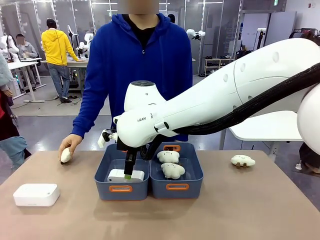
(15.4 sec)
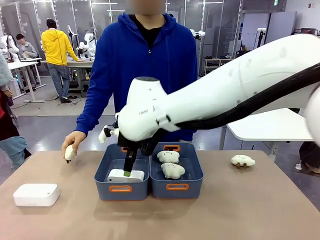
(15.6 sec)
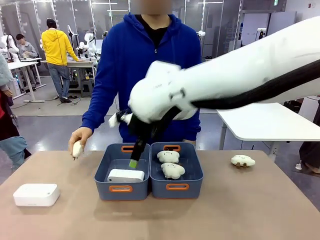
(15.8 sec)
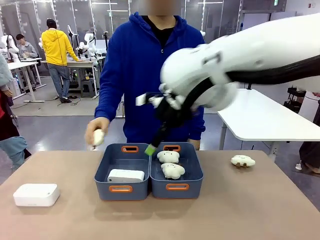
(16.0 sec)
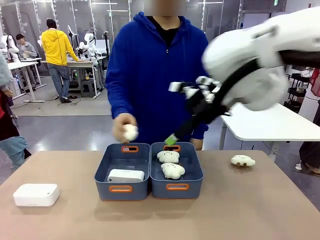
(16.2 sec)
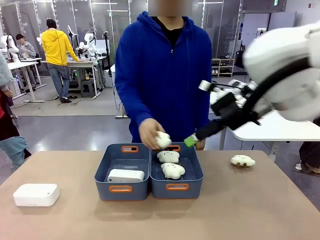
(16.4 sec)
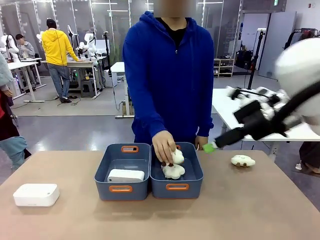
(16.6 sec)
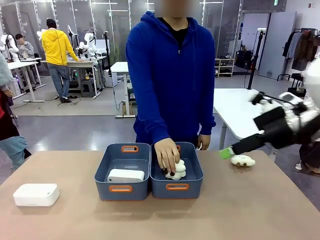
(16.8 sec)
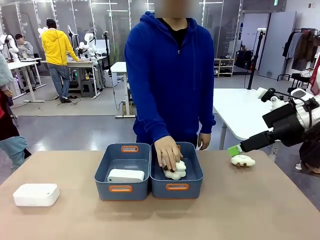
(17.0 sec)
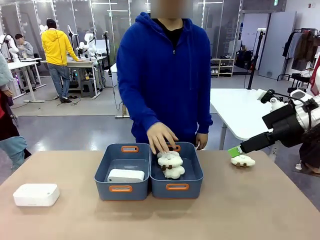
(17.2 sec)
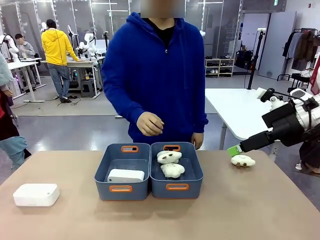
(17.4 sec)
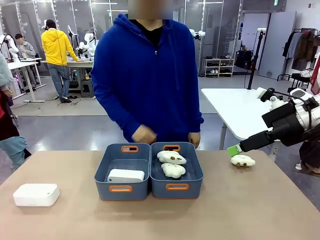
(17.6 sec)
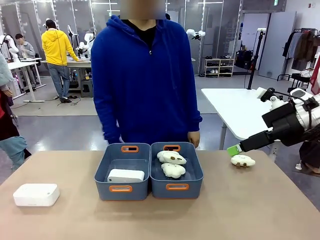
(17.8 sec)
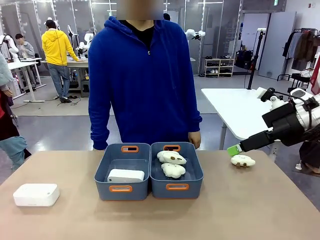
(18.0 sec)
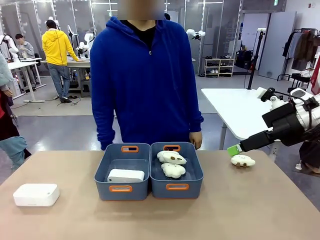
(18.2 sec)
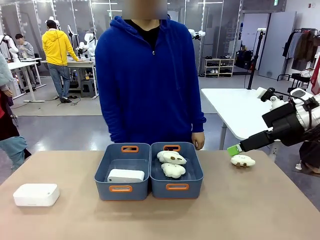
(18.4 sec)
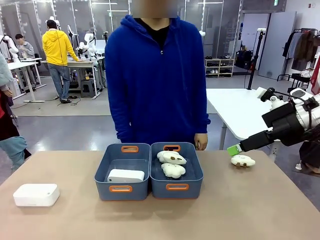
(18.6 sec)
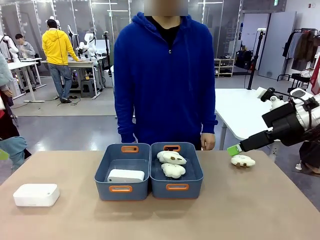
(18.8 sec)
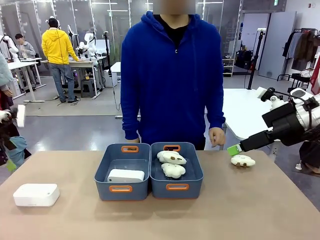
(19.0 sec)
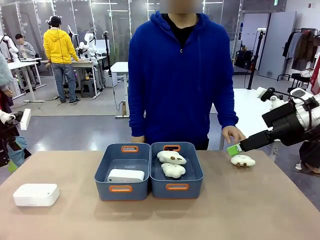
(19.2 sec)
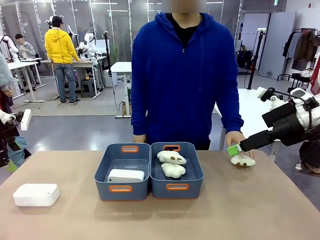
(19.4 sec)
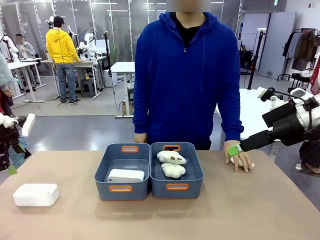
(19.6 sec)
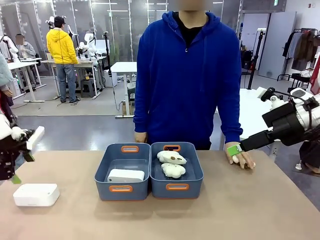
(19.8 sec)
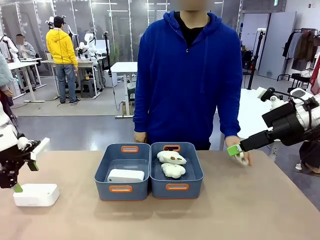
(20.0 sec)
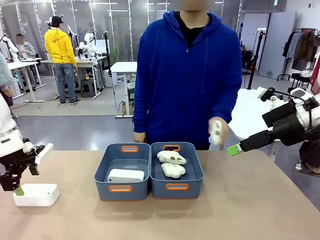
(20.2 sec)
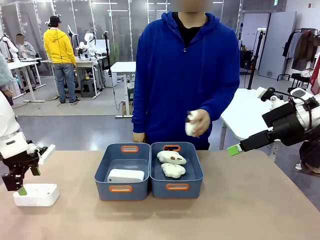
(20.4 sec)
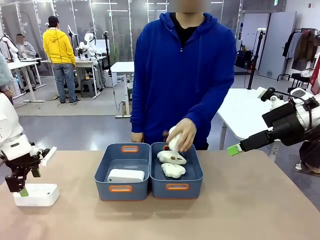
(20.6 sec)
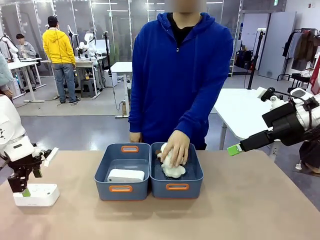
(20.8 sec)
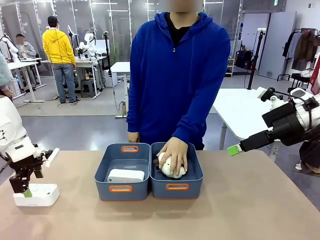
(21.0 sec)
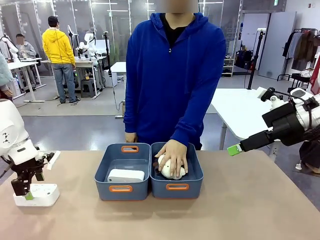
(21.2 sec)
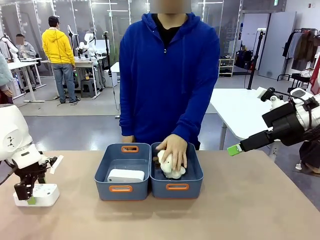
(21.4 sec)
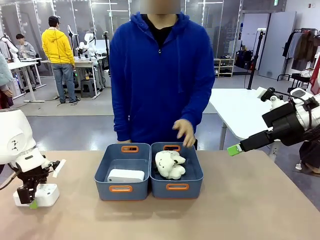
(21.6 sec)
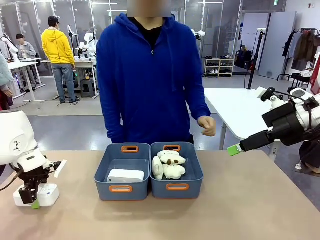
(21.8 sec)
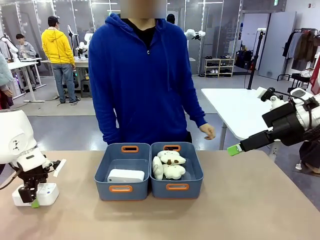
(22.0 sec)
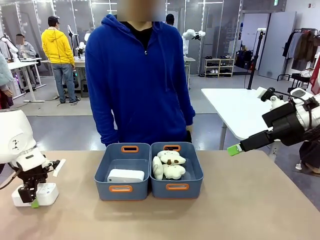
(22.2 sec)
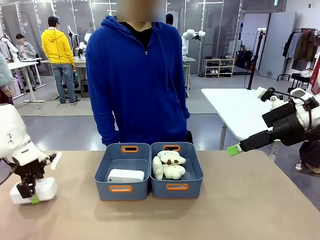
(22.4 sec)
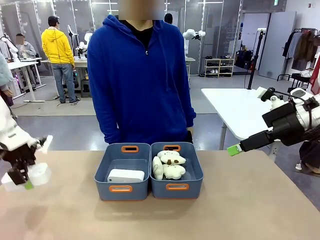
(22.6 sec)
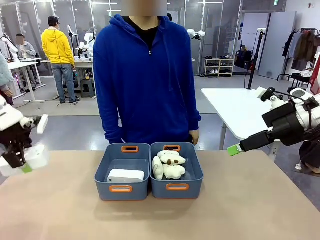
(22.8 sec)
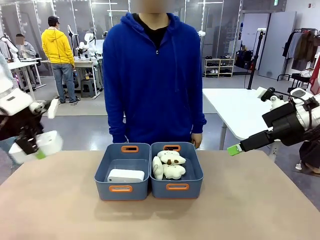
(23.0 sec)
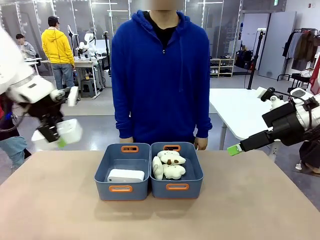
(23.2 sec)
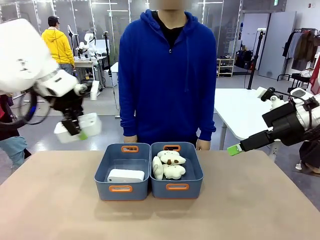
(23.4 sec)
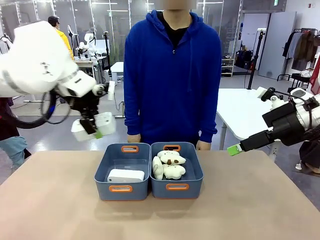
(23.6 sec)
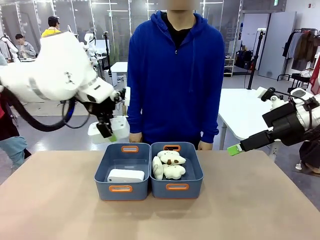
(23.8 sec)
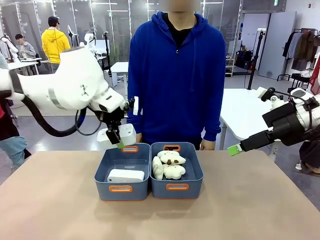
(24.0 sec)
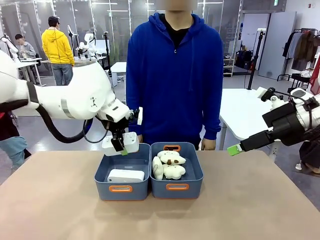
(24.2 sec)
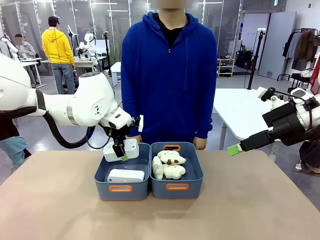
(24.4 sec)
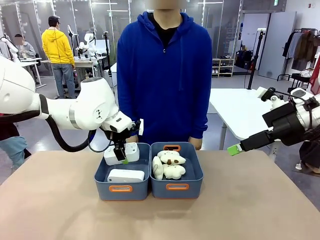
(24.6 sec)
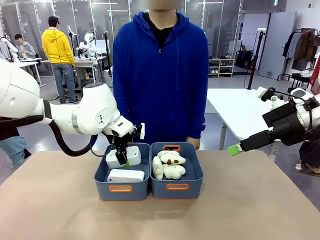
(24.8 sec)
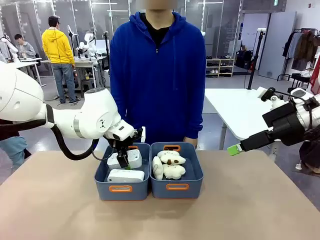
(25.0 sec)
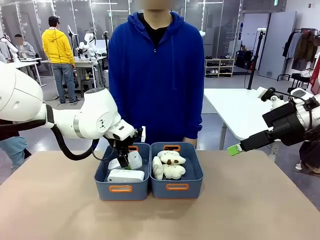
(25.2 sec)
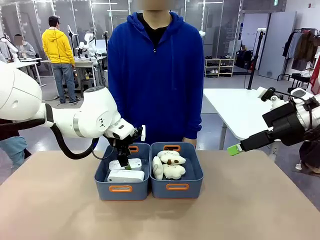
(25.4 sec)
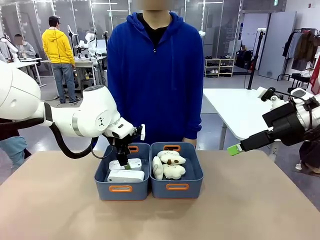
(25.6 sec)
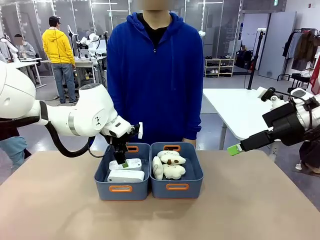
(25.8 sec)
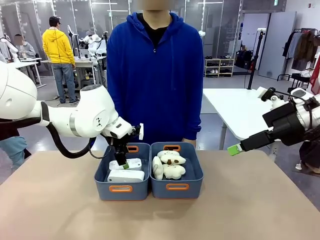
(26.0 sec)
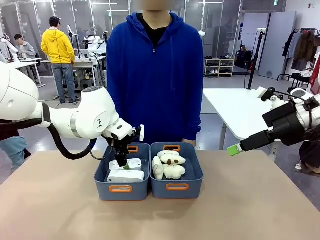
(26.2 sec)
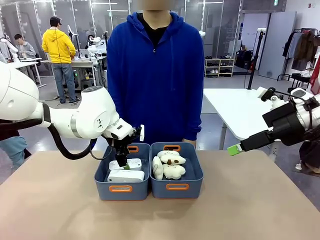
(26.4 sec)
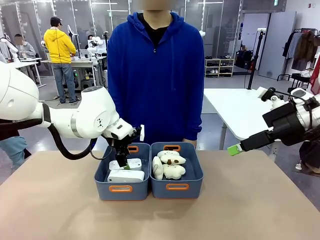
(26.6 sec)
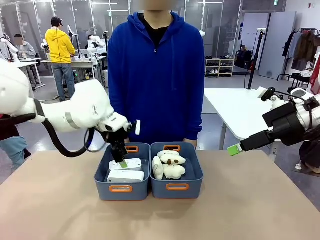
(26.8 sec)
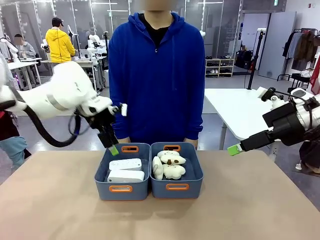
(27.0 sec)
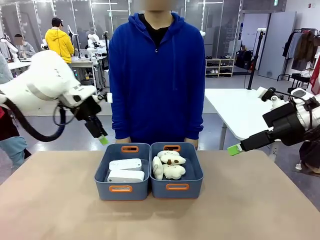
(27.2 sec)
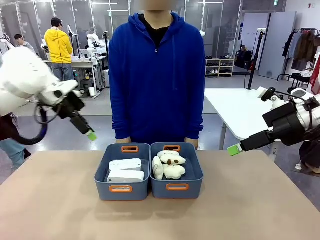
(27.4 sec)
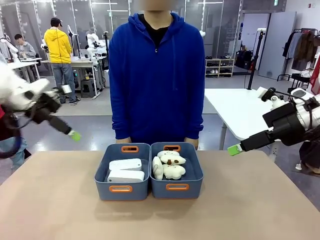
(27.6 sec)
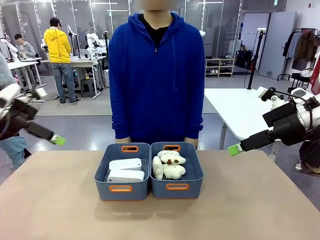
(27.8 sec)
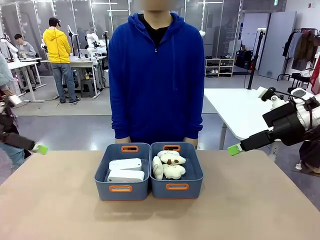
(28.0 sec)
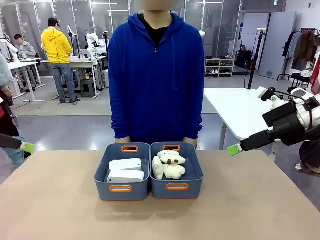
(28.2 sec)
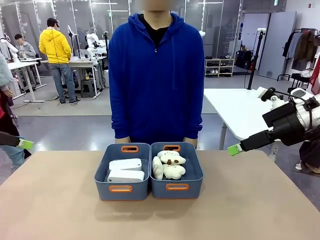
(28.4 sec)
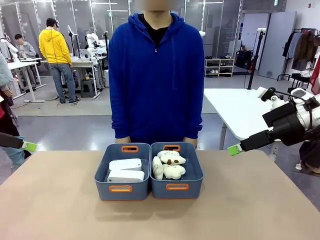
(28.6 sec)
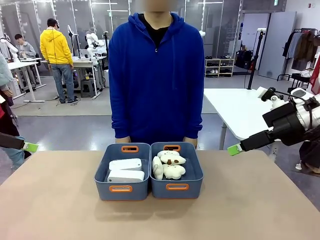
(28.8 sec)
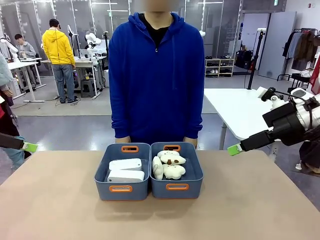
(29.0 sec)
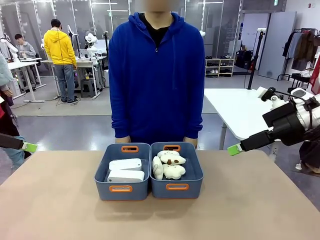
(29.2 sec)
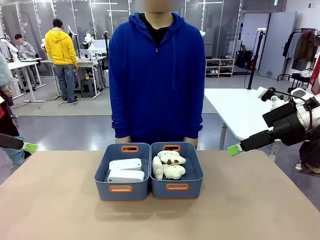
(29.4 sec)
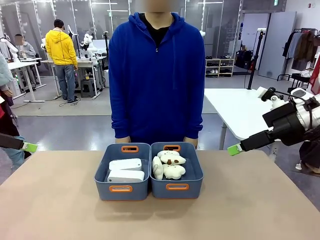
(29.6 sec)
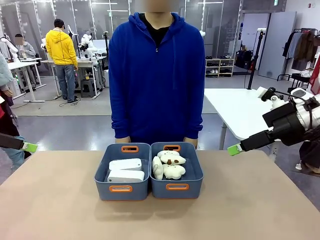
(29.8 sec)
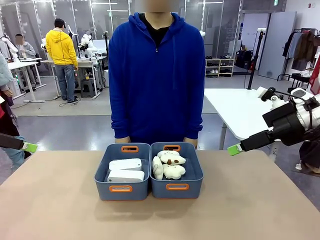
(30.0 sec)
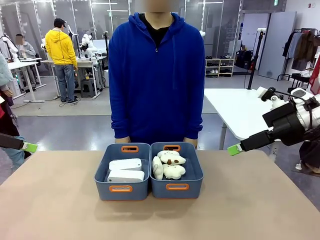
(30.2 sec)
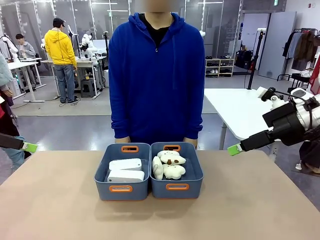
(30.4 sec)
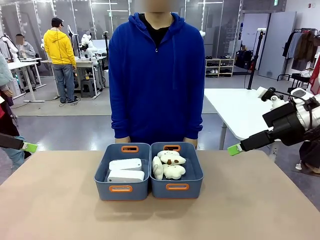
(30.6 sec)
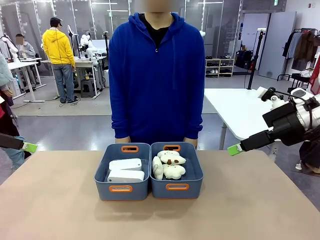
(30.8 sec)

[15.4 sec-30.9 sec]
Task: Sort the digital clocks into the basket.
Robot: Pick up the Digital clock from the table and place it into the empty Plastic storage basket.
Person: Pick up a plush toy from the table and place it in the plastic storage basket containing the plush toy.

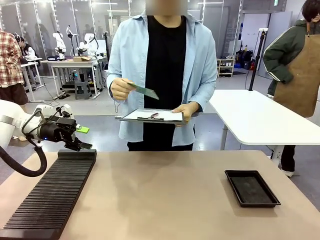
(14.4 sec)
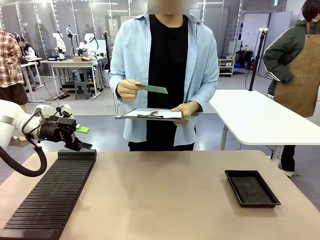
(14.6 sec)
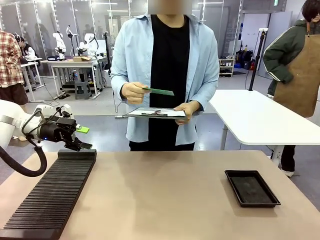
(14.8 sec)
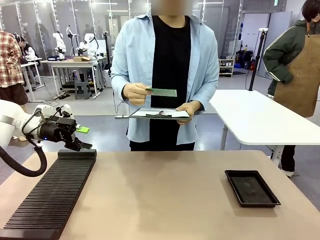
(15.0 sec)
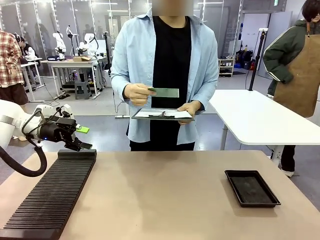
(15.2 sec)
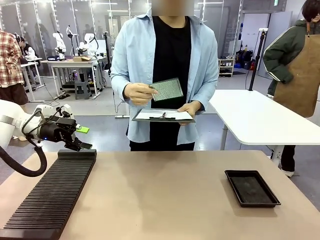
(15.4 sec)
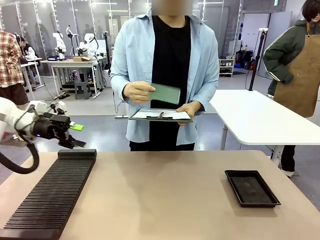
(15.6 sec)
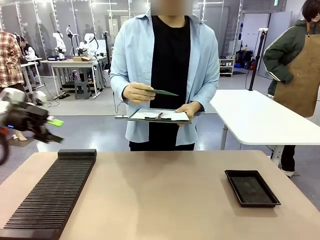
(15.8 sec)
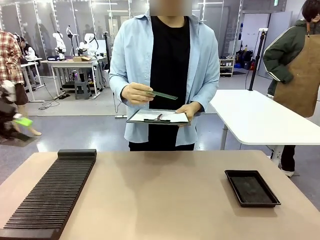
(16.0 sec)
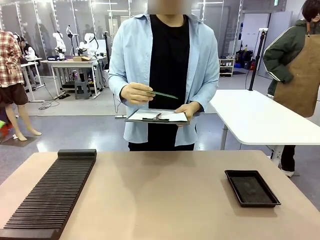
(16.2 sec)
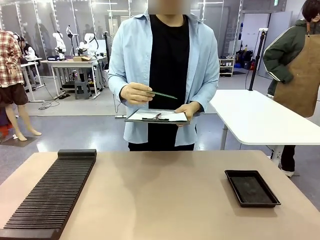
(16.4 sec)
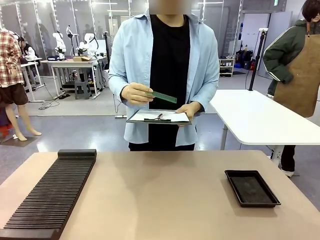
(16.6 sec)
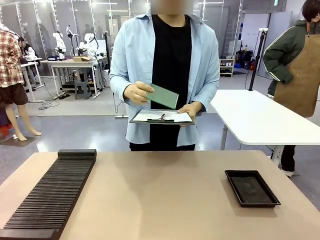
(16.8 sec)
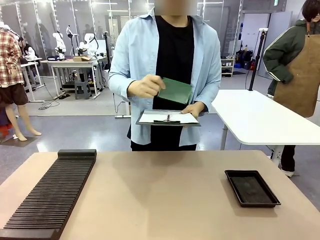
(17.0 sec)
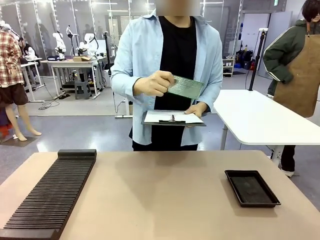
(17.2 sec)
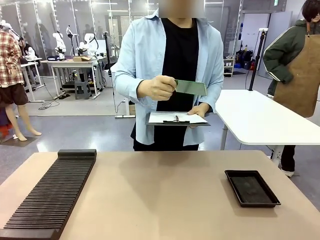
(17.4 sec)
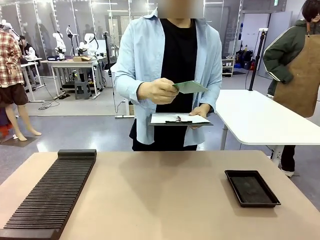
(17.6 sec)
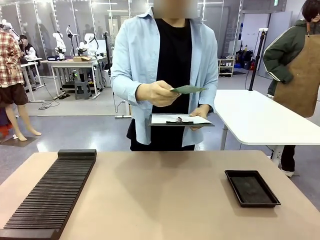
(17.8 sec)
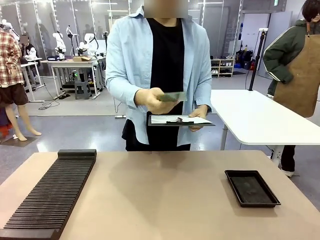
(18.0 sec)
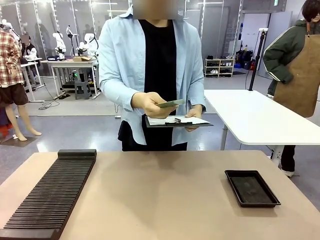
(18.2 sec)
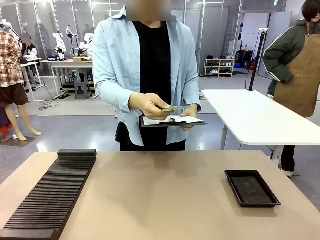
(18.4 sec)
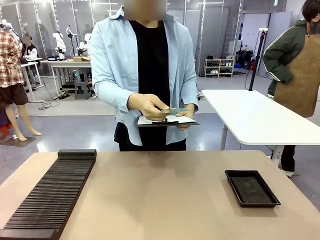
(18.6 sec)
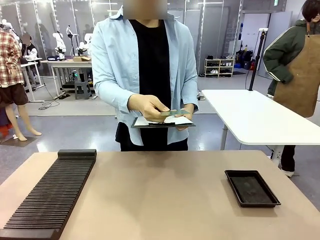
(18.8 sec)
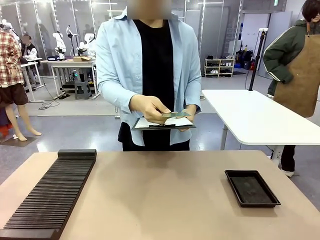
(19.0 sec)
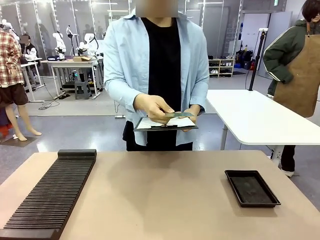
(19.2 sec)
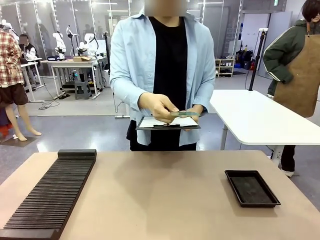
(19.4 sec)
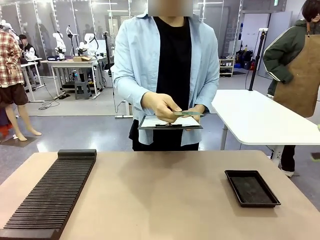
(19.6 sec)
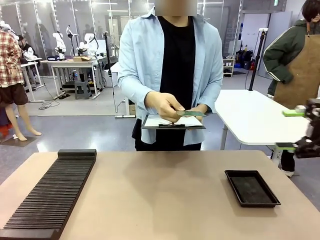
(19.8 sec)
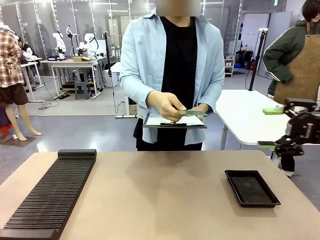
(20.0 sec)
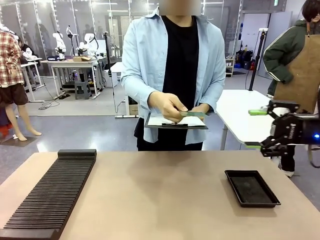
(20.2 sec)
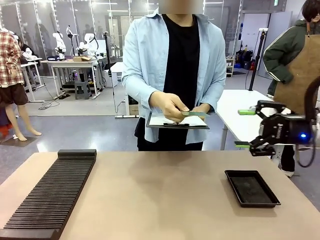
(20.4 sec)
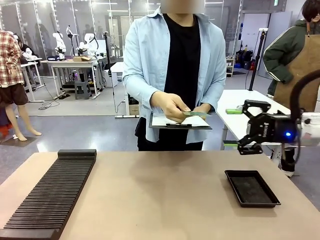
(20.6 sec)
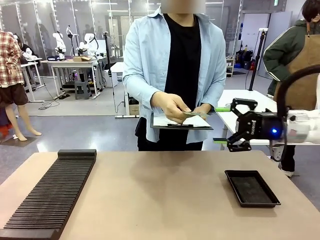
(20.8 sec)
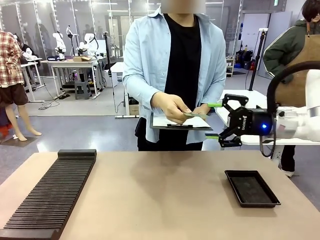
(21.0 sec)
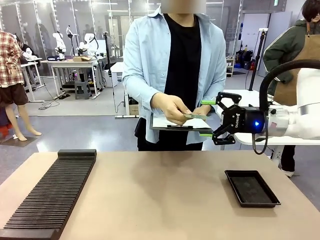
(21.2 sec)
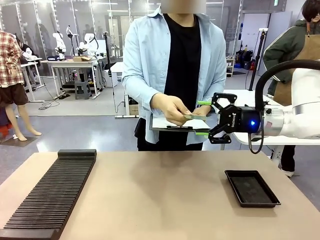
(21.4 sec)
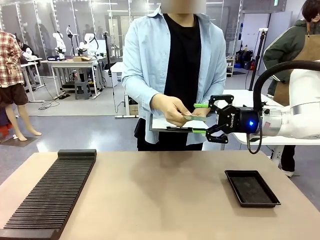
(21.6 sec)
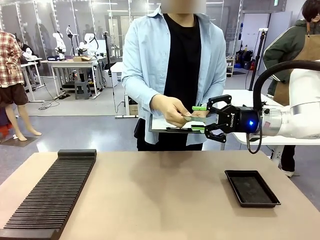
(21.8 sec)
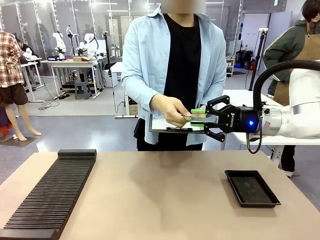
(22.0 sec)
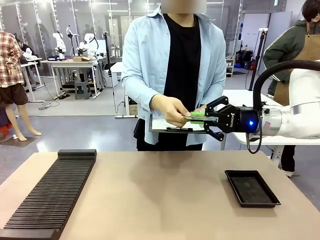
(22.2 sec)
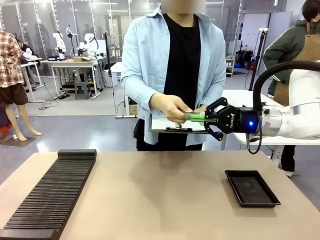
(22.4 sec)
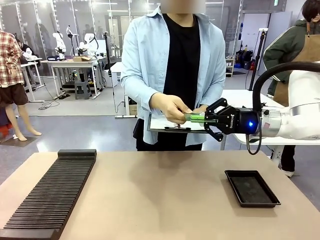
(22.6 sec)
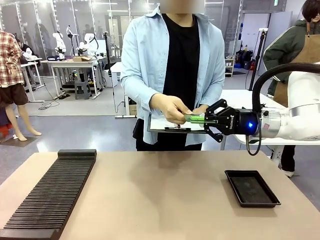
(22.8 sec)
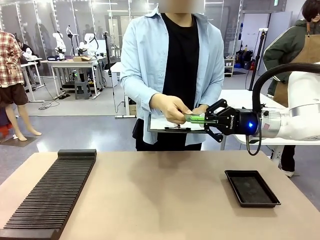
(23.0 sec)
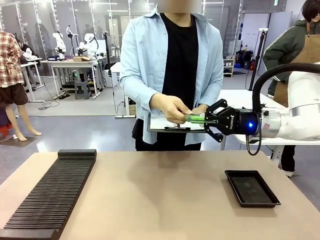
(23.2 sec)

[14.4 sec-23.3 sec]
Task: Inspect the PCB.
Robot: Pick up the Blank PCB that the human is holding.
Person: Inspect the PCB placed by the robot, then hold it out in front of the robot. Release the PCB you were holding.
